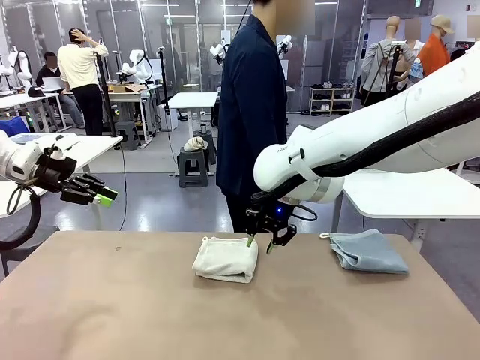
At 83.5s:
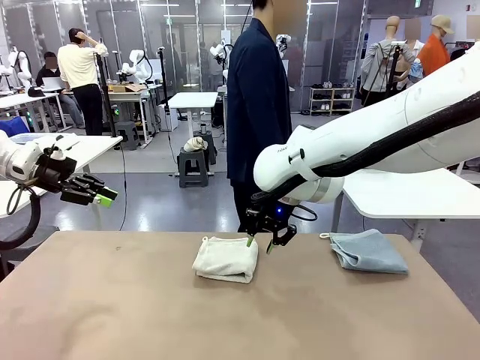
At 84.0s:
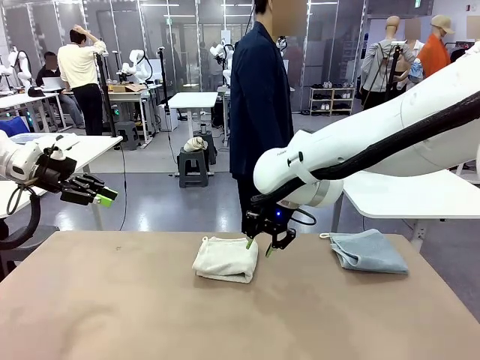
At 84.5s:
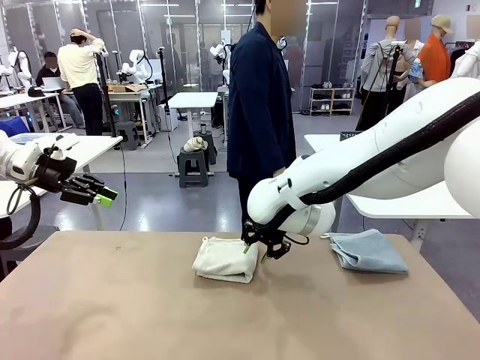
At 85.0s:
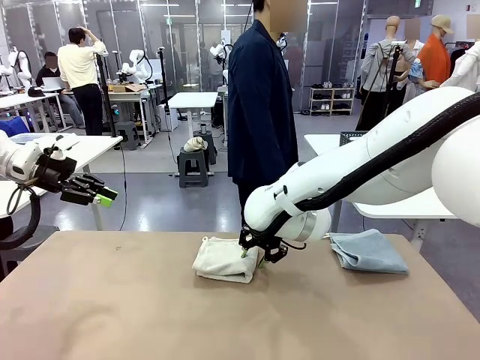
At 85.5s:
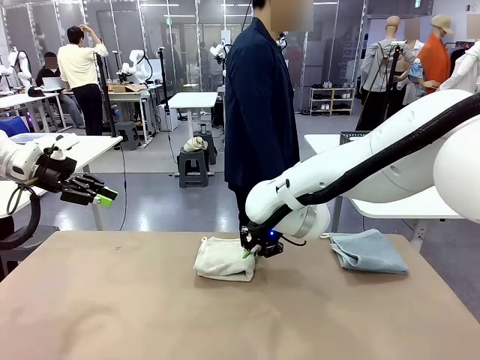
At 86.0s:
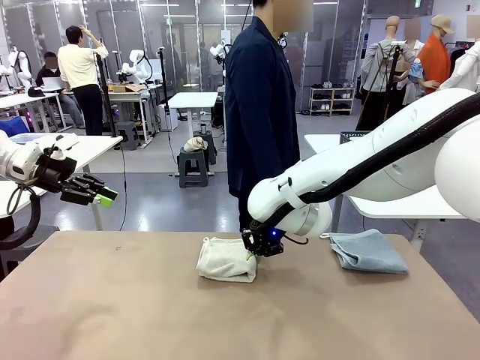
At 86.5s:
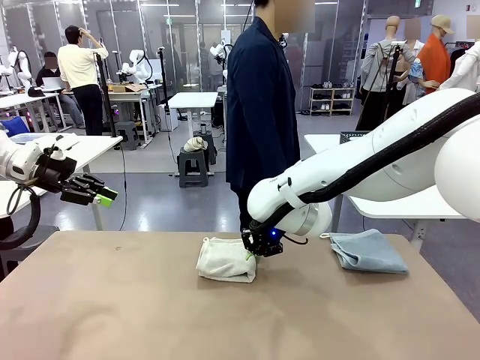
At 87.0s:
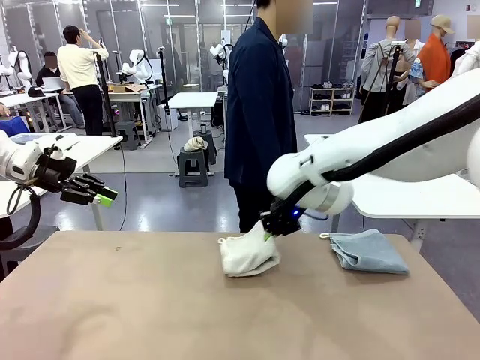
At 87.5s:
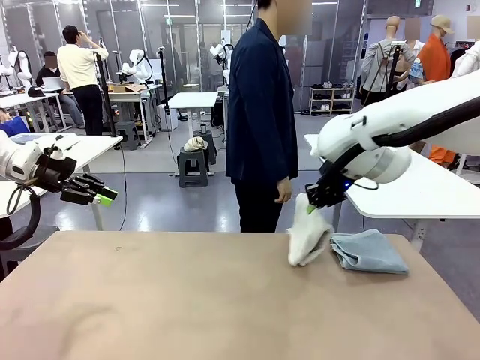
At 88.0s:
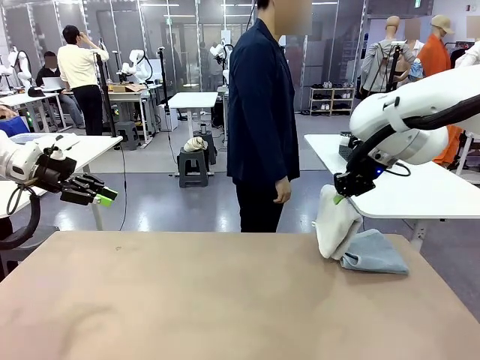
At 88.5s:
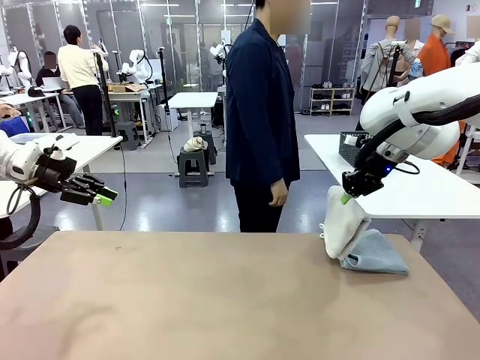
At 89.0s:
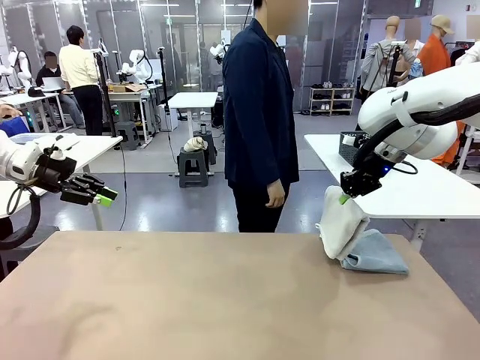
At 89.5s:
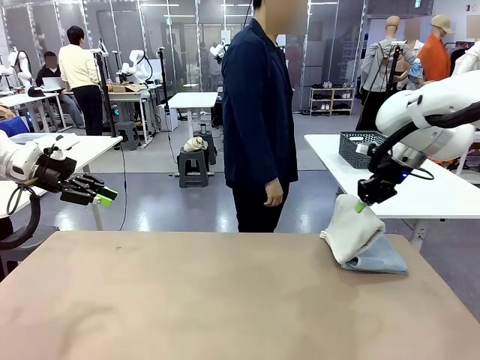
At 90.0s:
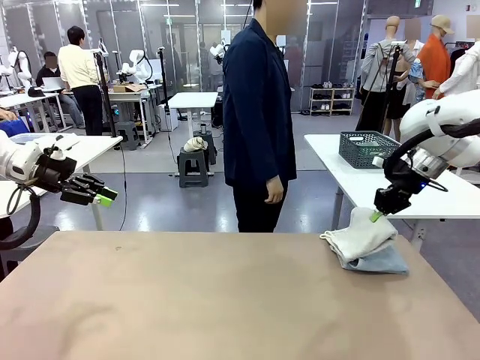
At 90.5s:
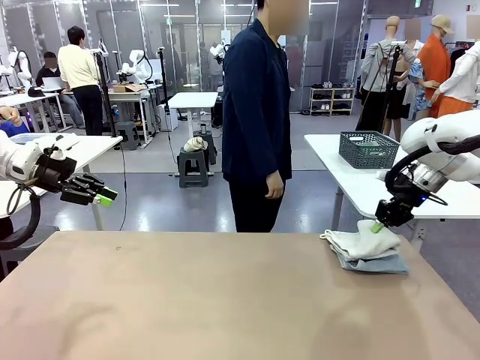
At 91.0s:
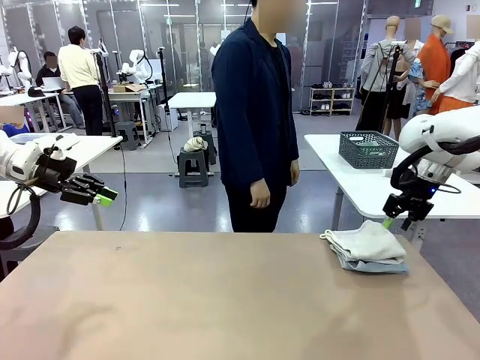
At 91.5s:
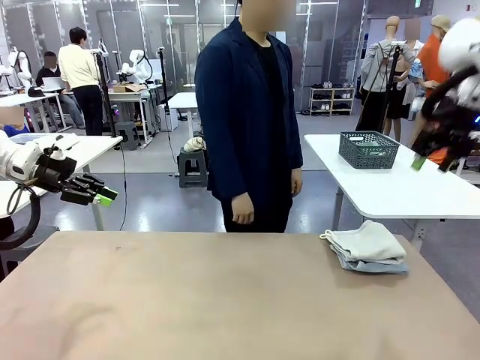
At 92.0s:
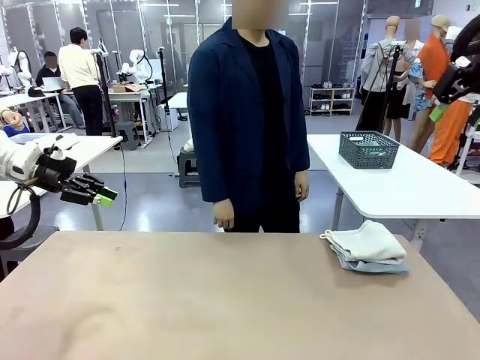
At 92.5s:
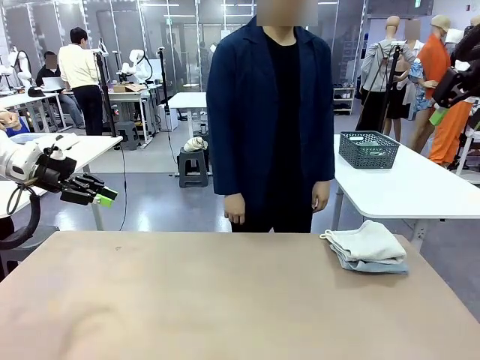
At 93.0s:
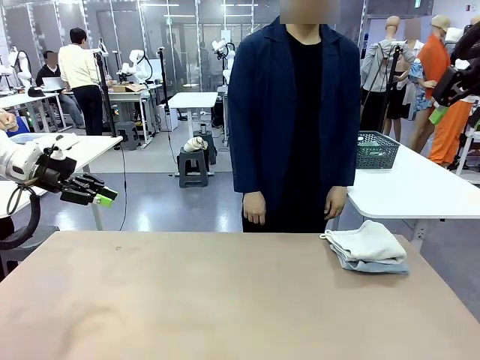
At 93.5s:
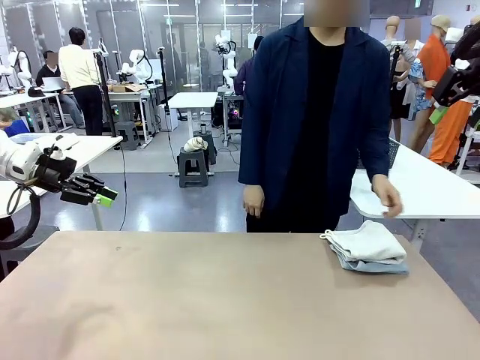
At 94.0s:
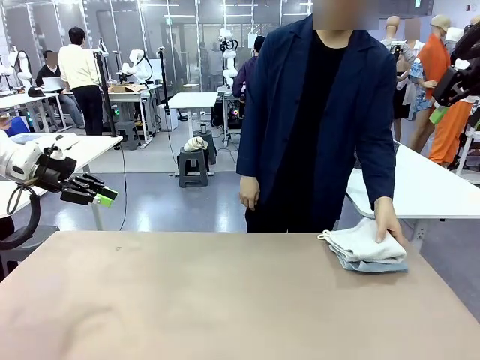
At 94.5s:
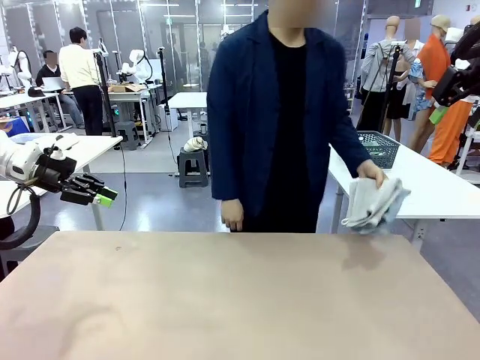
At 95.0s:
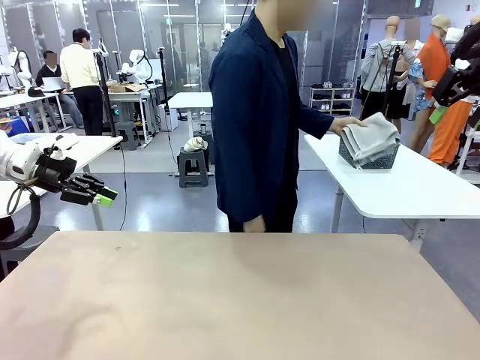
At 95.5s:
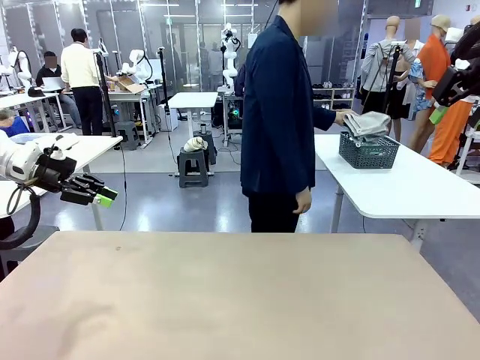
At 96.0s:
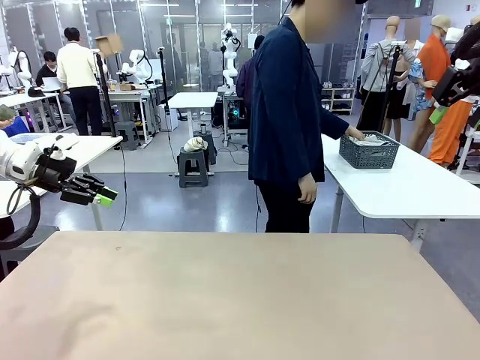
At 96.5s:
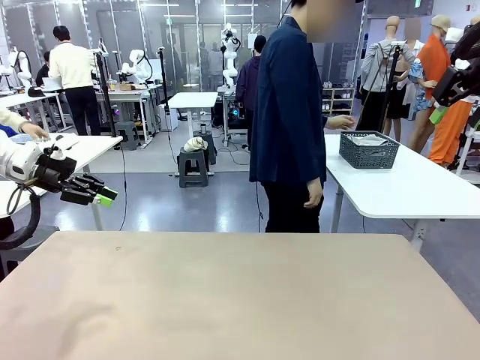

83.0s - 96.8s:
Task: Fold the towels and place them in the basket.
Robot: Stack the folded Towel with hook on the right side of the table.
Person: Pick up the stack of towels from the robot table and place it into the basket.

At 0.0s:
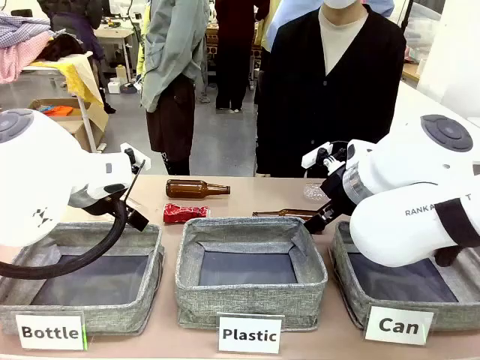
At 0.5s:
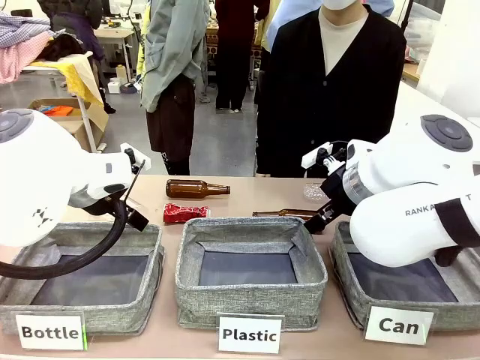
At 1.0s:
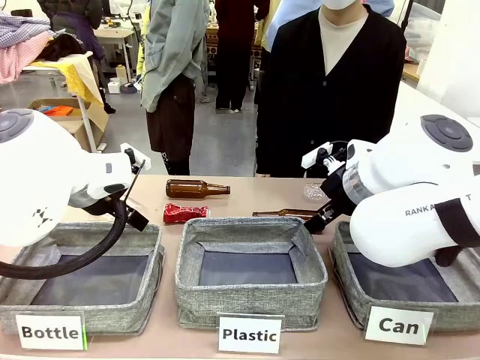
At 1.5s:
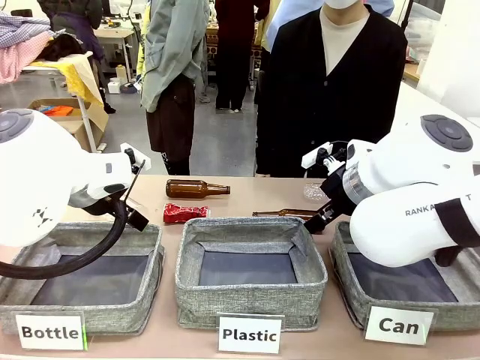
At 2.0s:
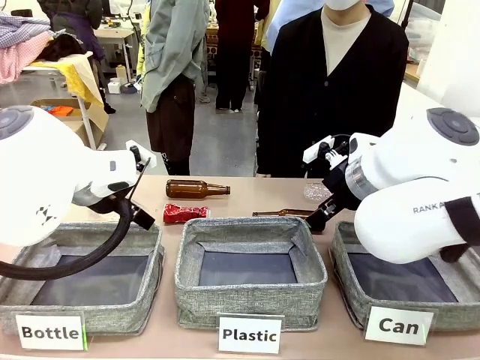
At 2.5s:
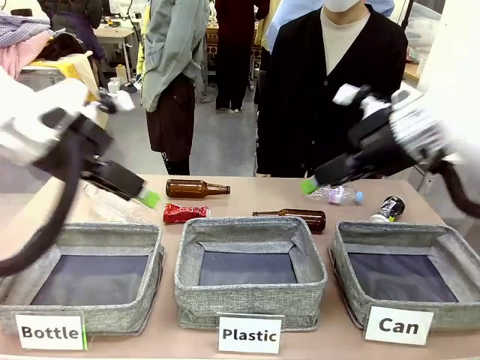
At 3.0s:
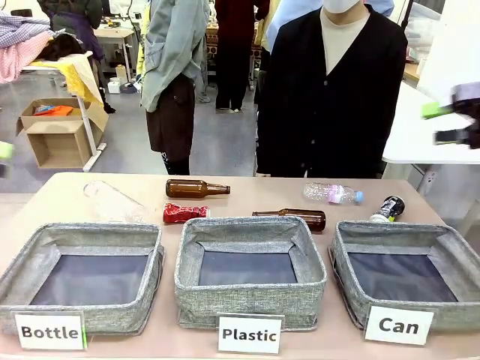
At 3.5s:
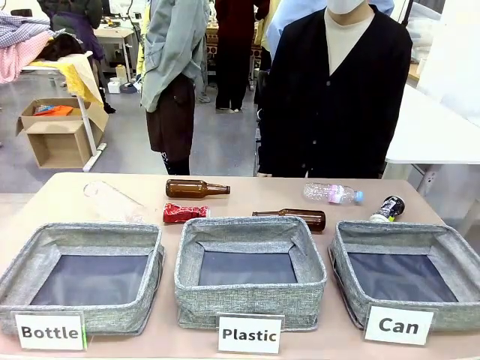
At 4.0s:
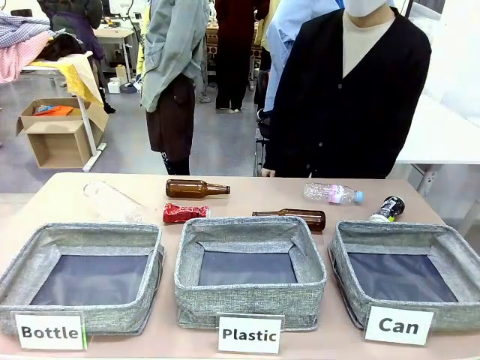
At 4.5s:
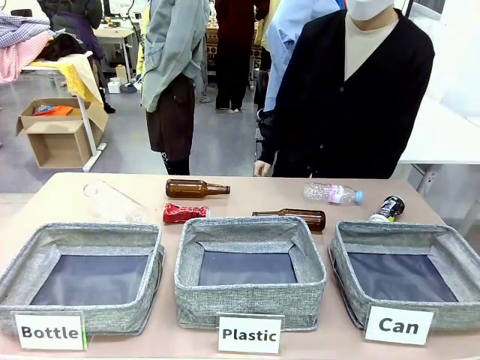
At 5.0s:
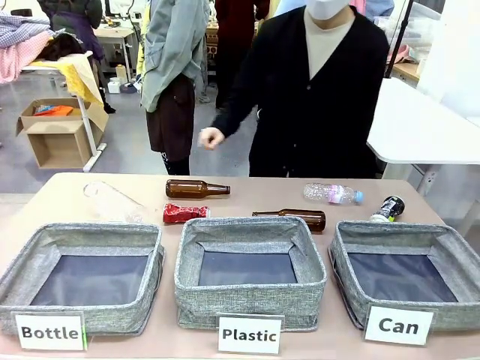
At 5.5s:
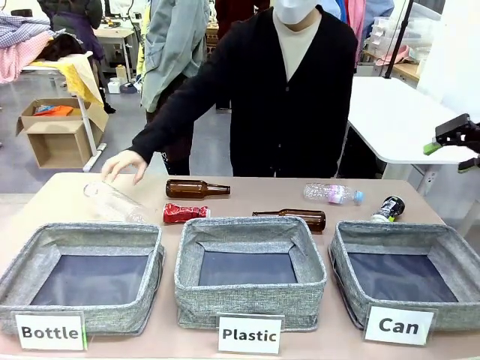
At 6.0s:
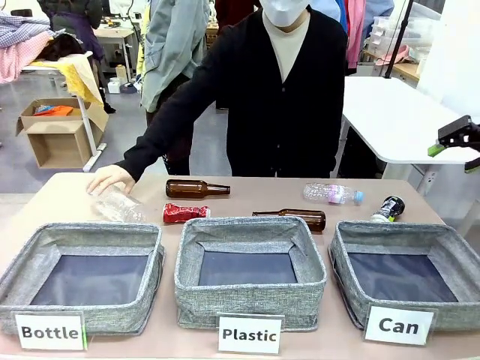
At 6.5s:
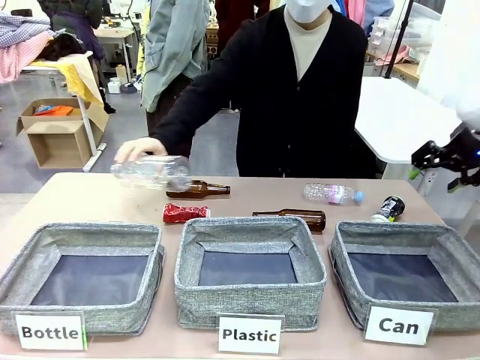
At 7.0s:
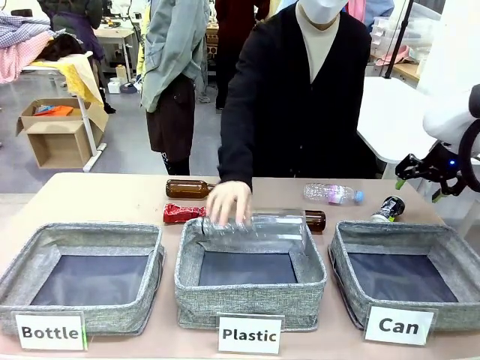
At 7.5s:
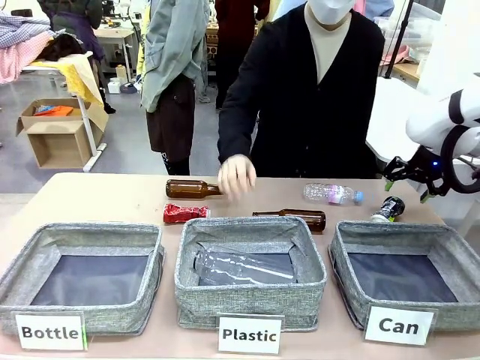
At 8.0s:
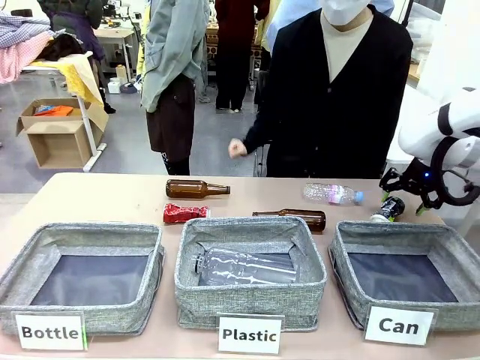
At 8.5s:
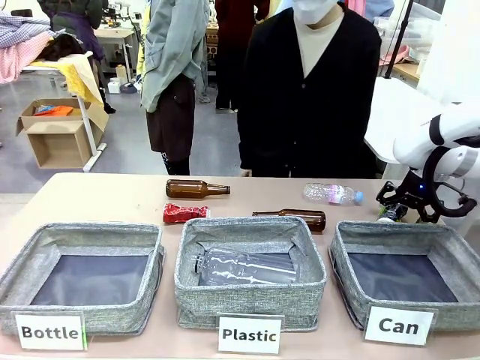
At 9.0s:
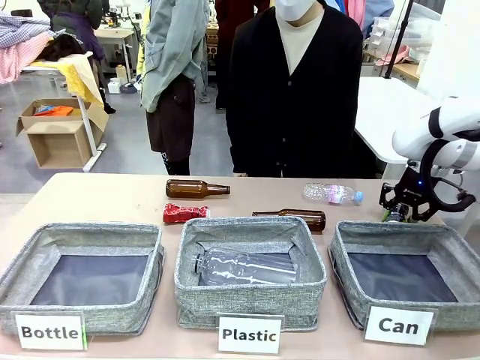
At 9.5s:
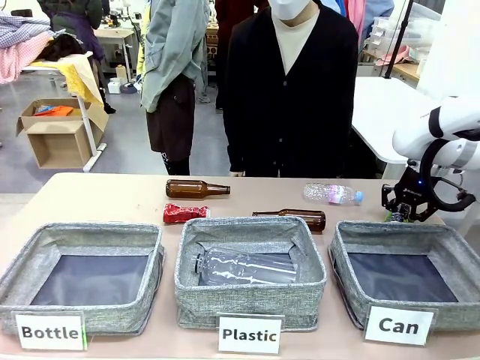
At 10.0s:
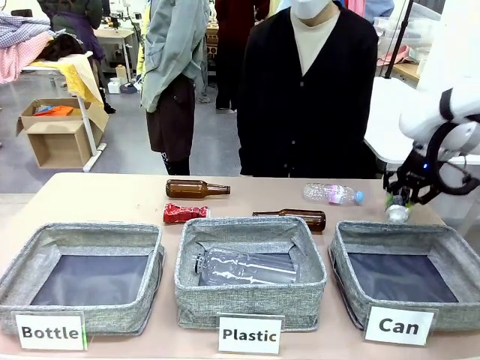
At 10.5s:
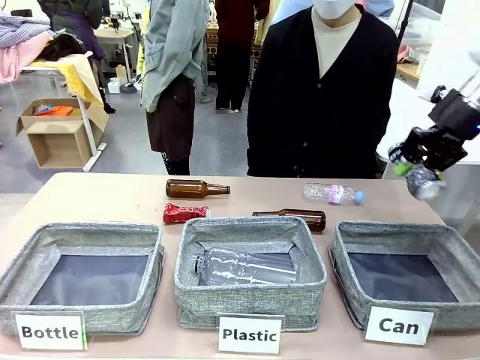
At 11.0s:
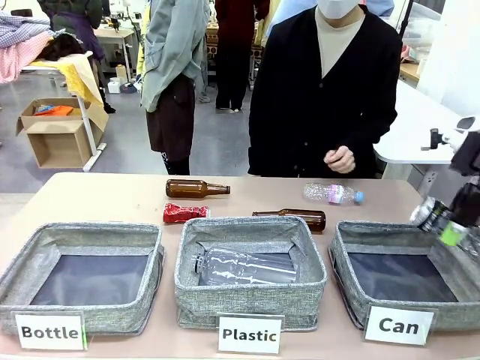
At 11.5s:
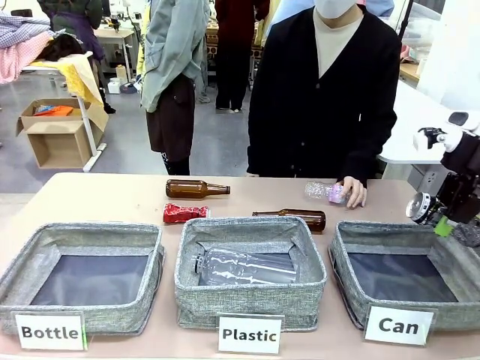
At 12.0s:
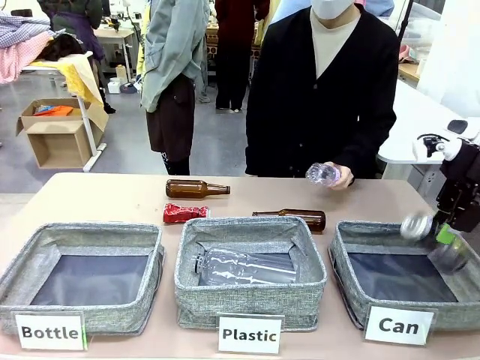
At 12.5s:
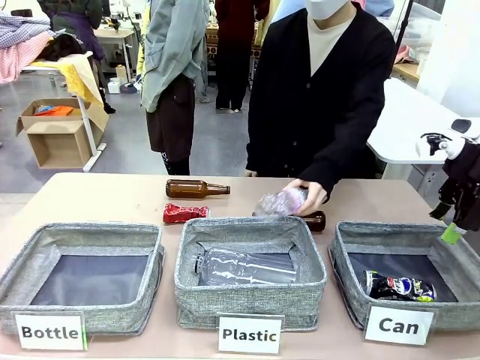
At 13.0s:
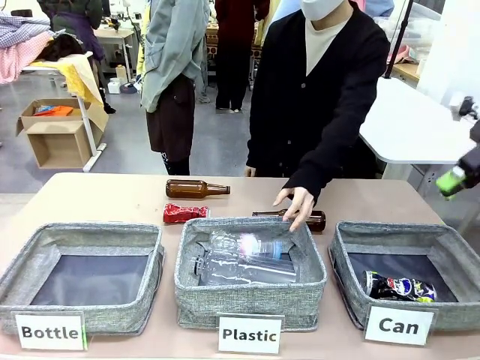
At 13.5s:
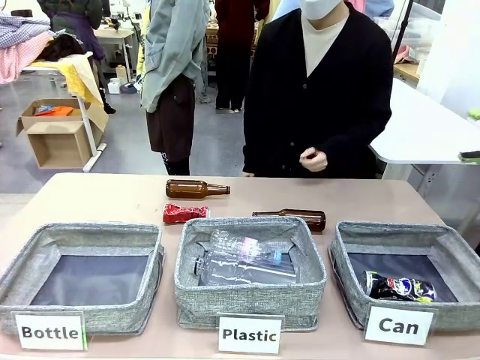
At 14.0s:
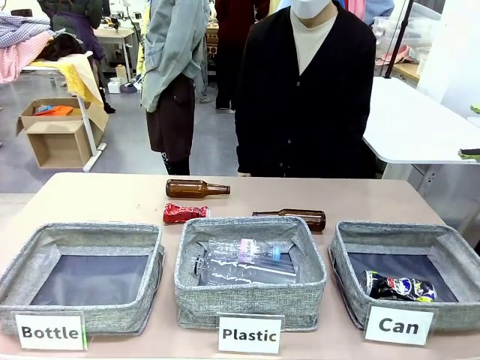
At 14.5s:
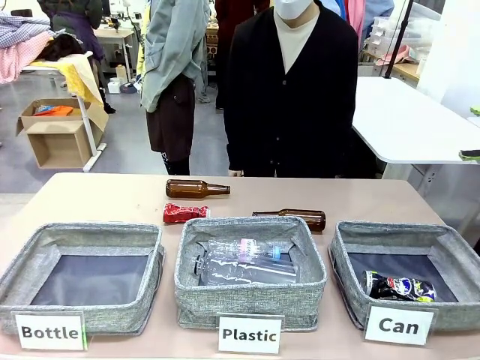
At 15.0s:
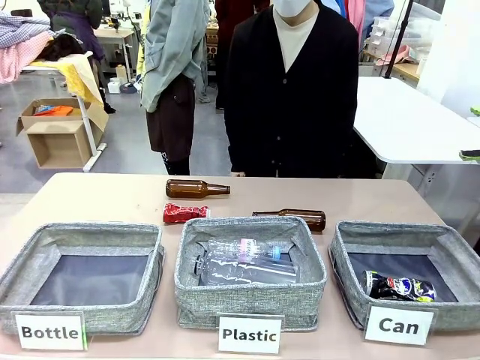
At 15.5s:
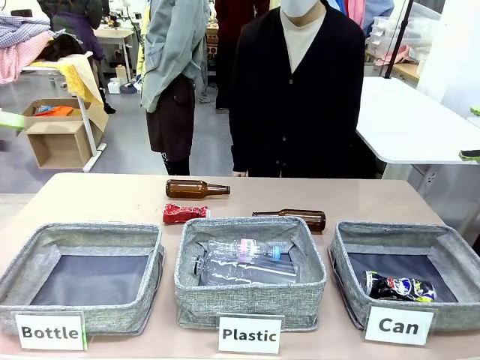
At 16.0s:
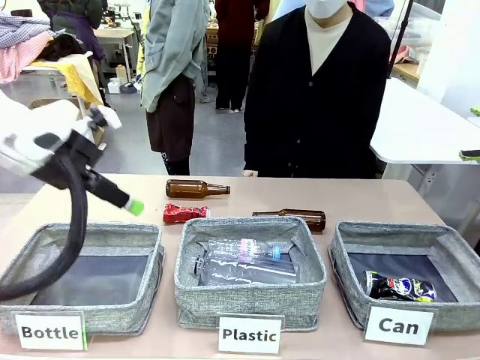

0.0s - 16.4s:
Task: Sort the can waste into the basket.
Robot: Pick up the can waste from the table and place it in the right Fabric basket.
